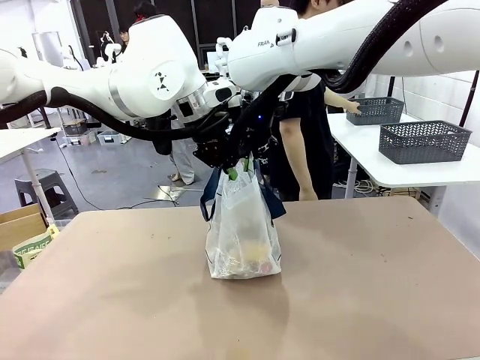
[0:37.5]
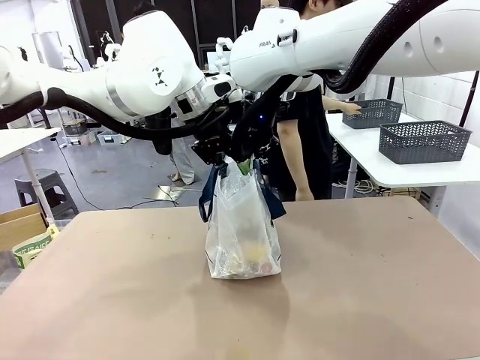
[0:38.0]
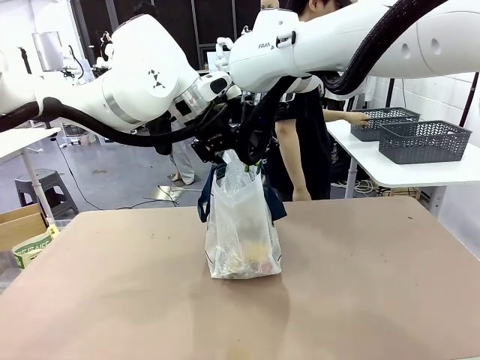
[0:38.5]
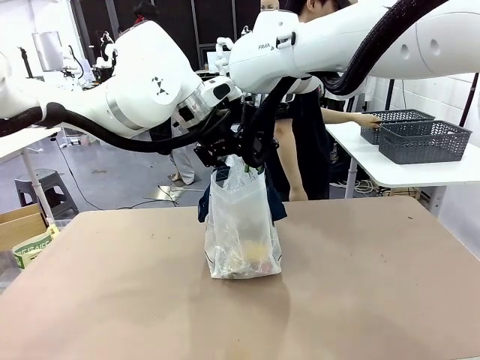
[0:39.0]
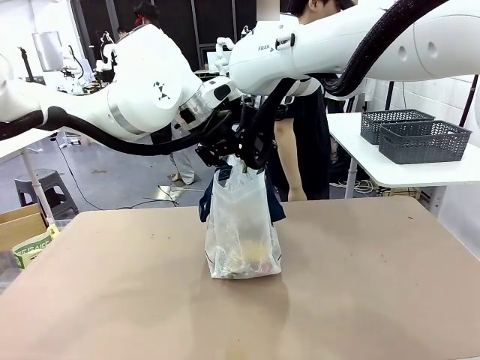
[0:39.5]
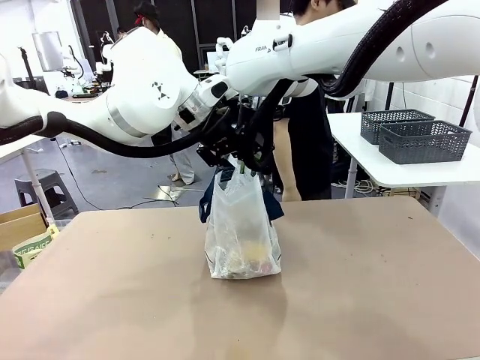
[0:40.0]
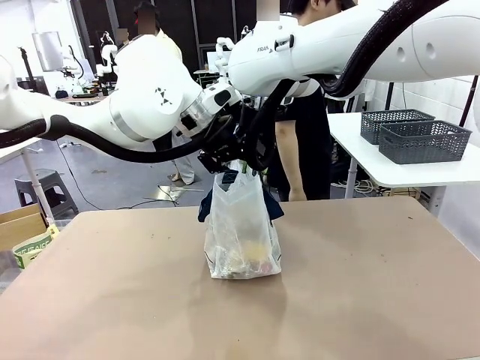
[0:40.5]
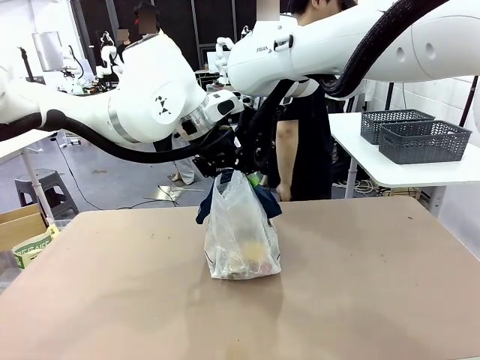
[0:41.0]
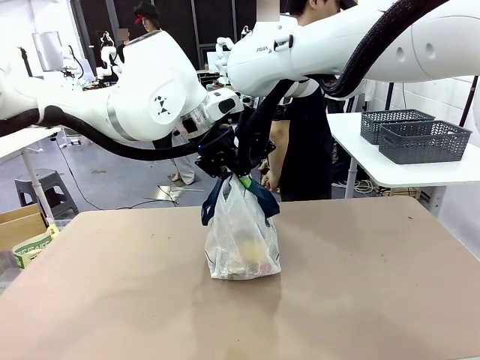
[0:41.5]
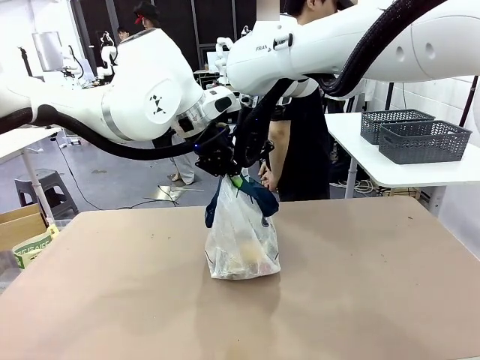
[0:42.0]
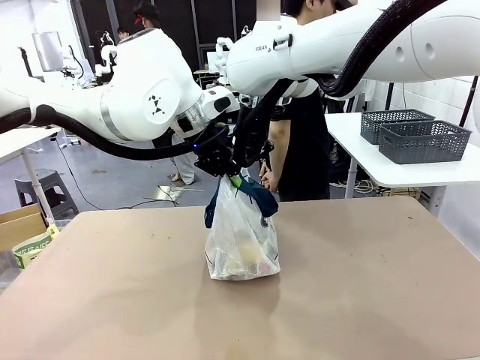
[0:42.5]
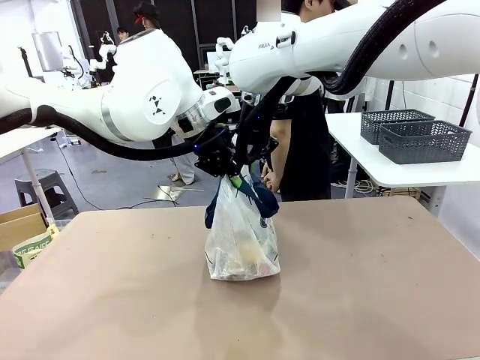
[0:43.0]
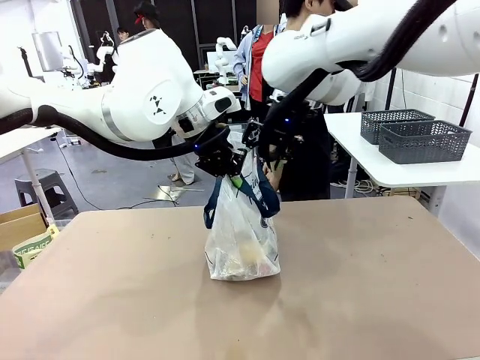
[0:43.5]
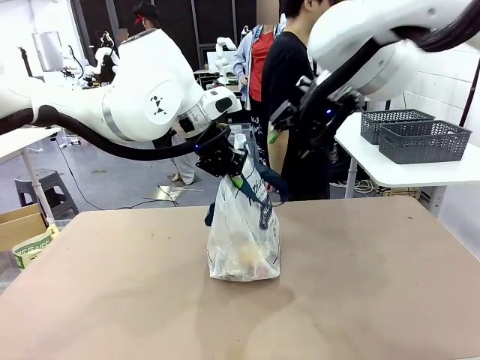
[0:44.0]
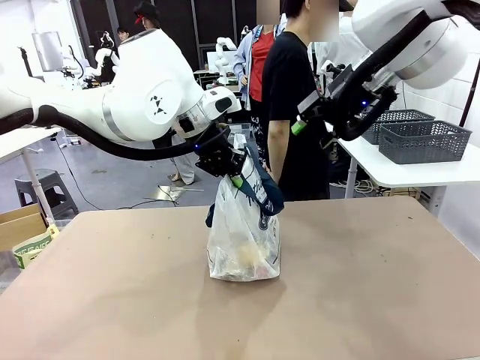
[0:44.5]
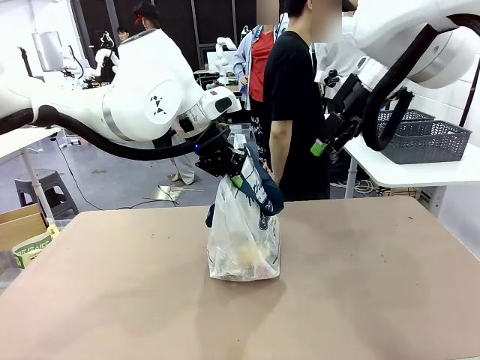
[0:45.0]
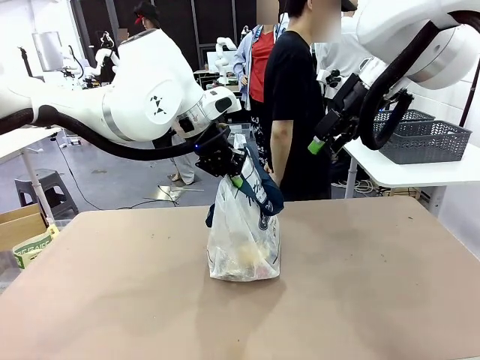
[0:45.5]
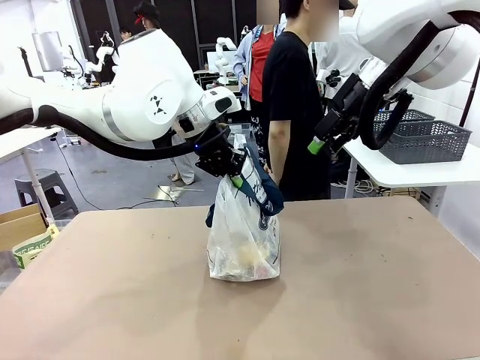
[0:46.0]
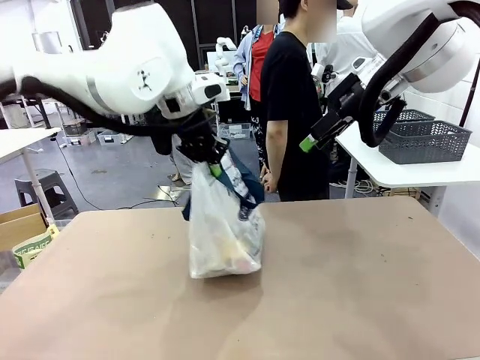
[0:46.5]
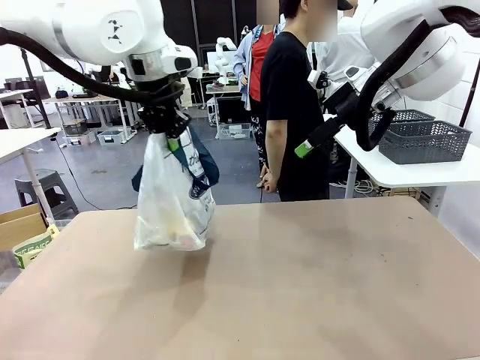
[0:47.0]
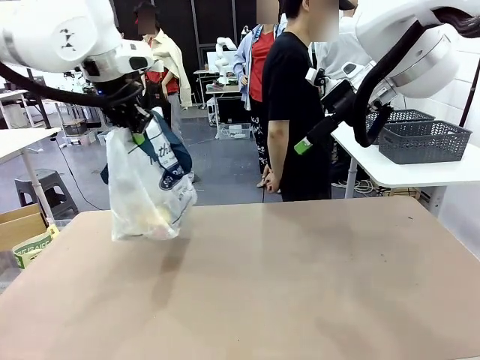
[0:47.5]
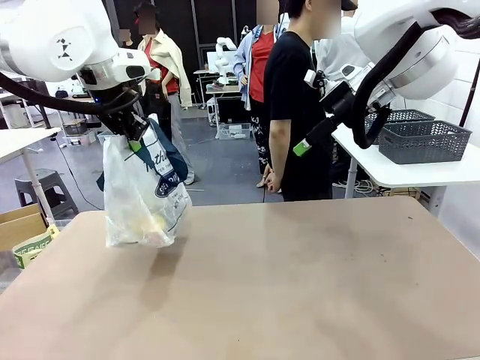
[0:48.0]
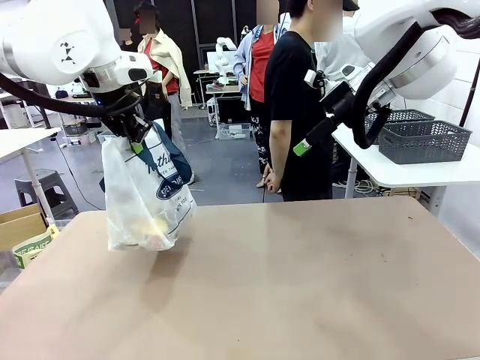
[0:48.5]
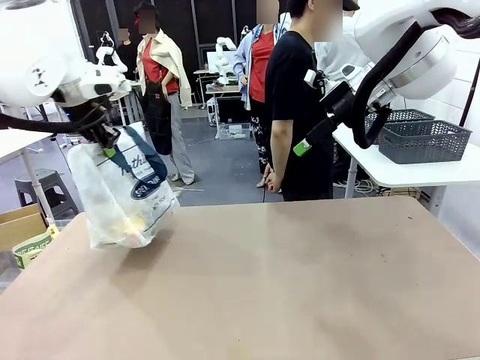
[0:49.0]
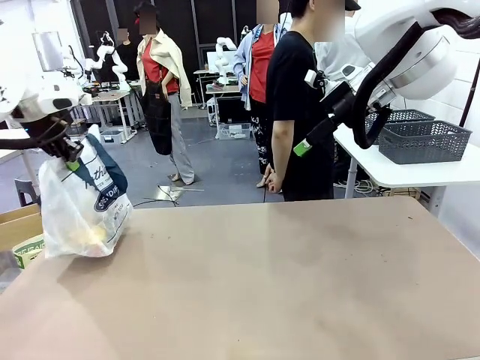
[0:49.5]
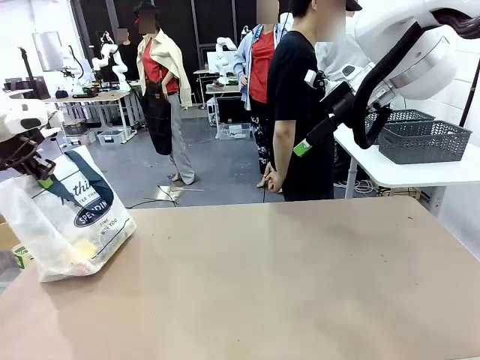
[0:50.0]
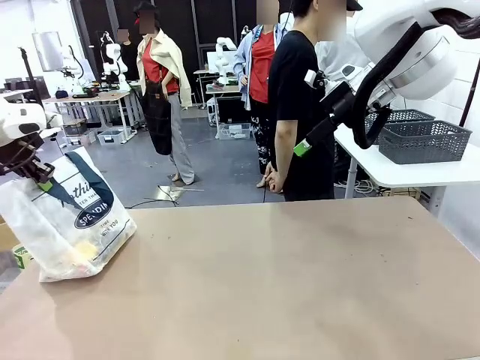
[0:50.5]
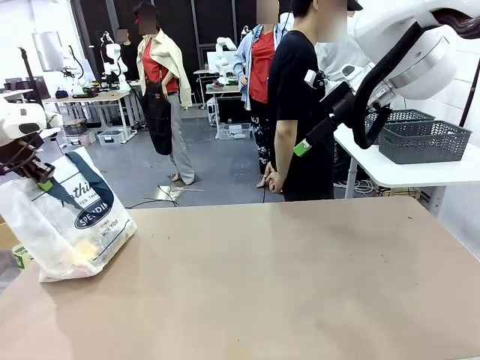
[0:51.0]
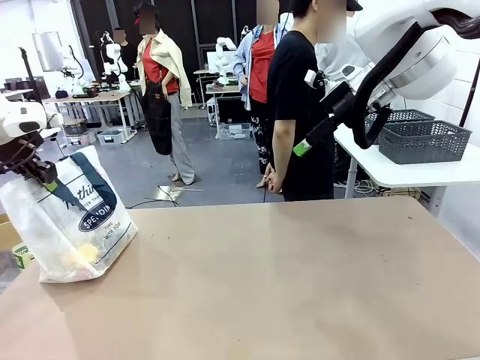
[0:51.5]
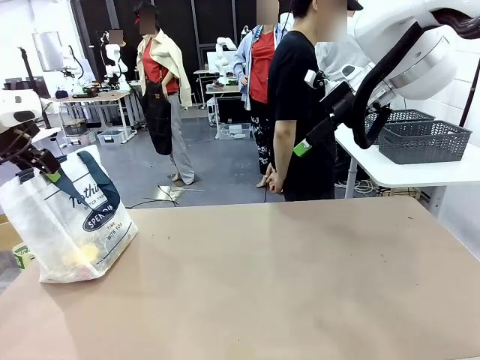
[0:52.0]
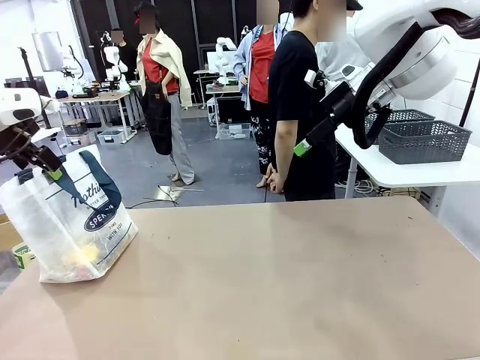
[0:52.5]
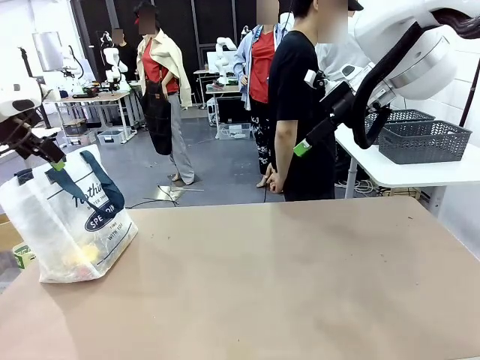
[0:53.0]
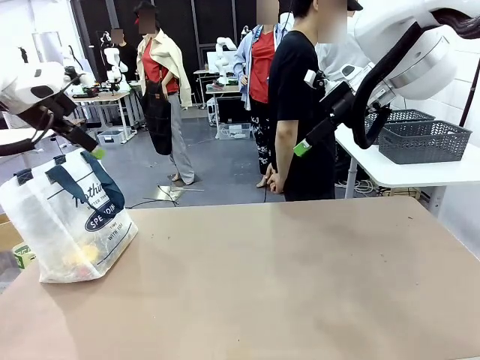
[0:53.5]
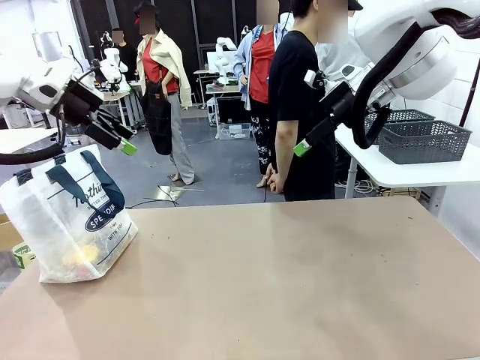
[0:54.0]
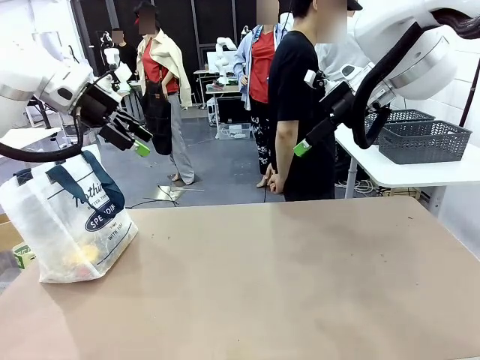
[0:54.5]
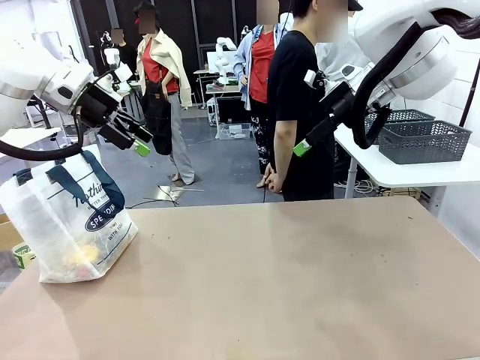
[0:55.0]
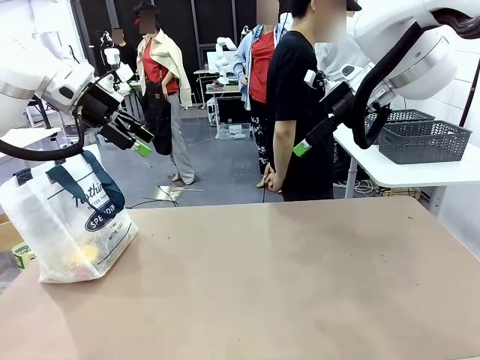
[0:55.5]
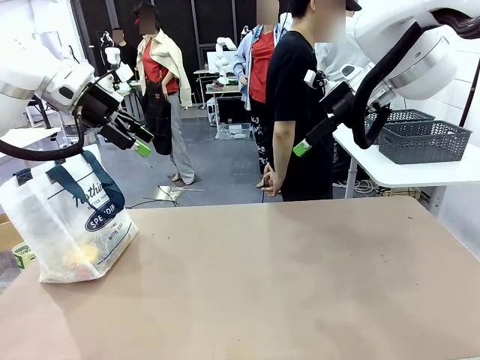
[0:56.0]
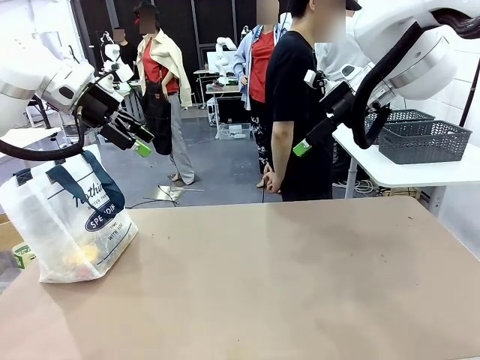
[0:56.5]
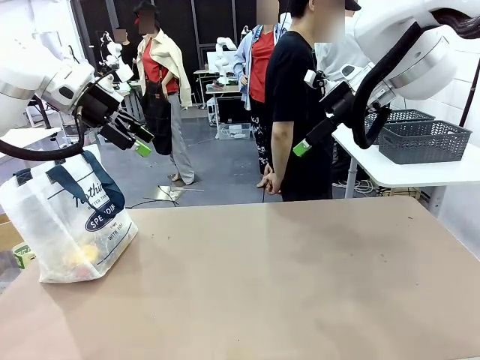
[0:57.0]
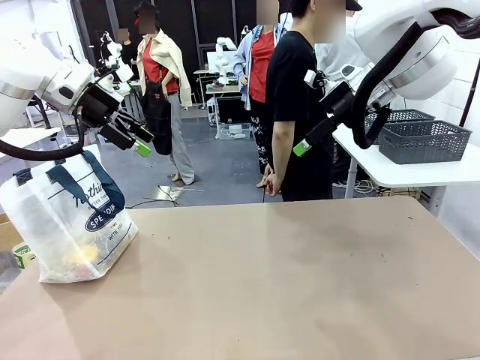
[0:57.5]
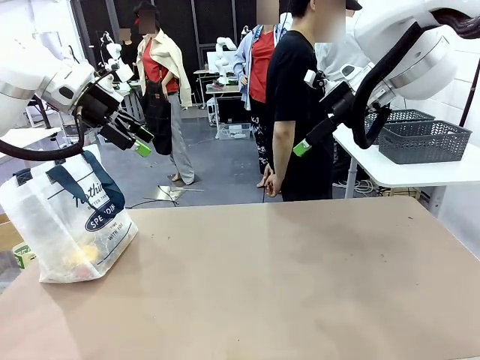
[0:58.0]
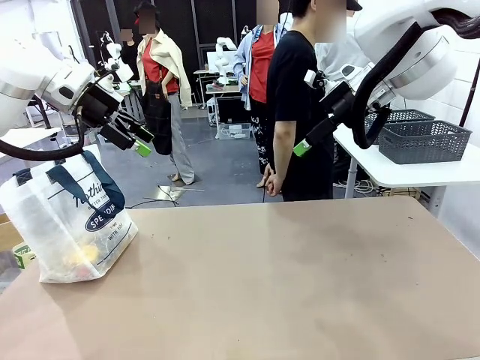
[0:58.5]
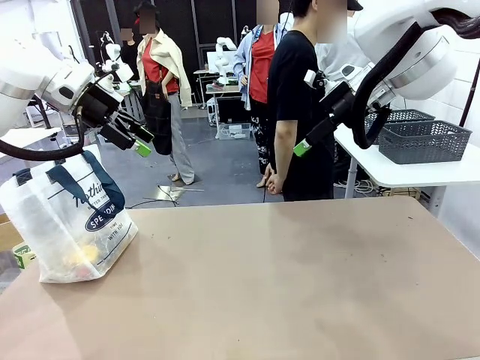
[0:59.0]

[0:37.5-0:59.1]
Task: Transfer purchased items from the store into the shopping bag.
Robot: Move the Reusable shopping bag to the right side of the table.
Person: Move the basket on the left to the middle of the person's table.
